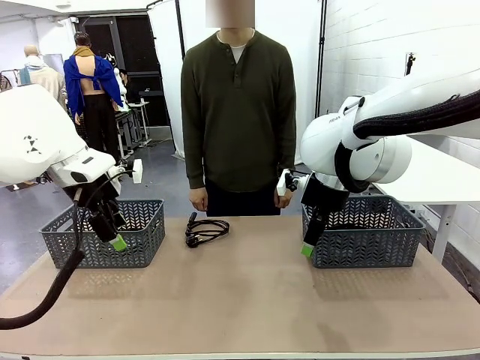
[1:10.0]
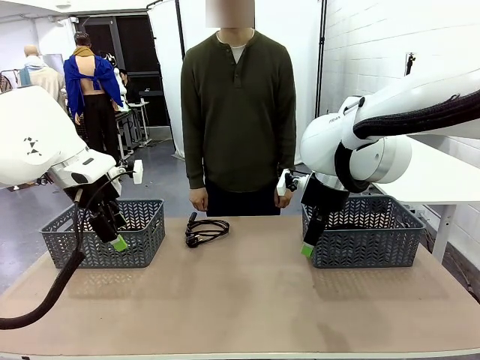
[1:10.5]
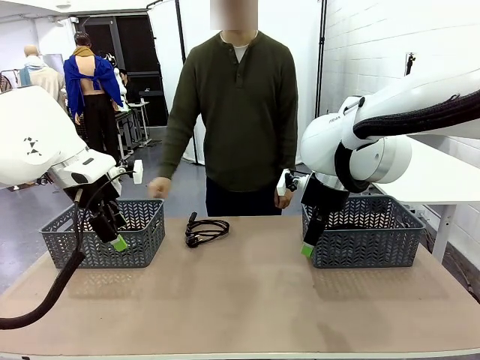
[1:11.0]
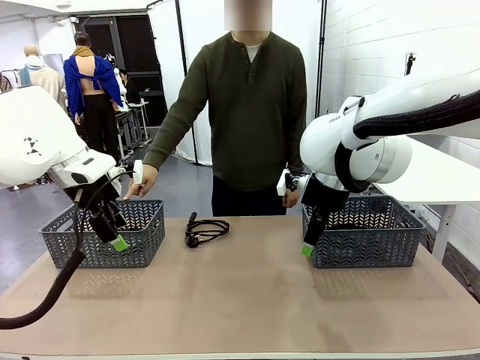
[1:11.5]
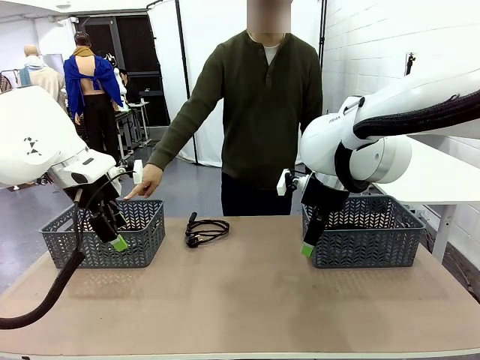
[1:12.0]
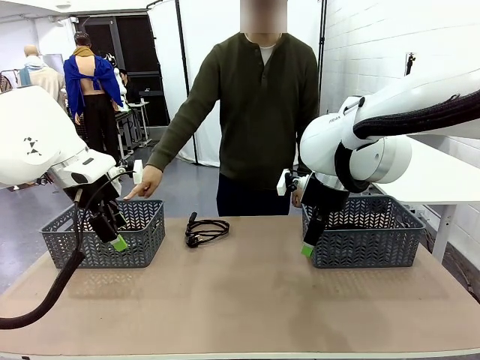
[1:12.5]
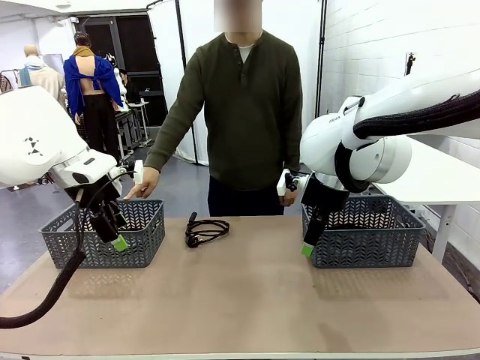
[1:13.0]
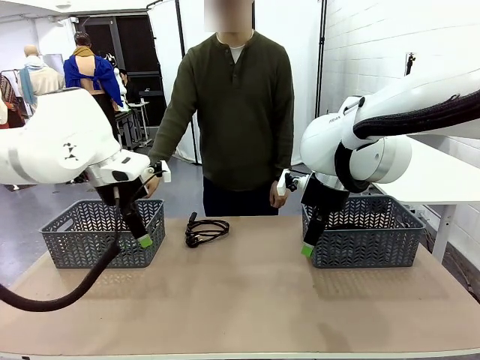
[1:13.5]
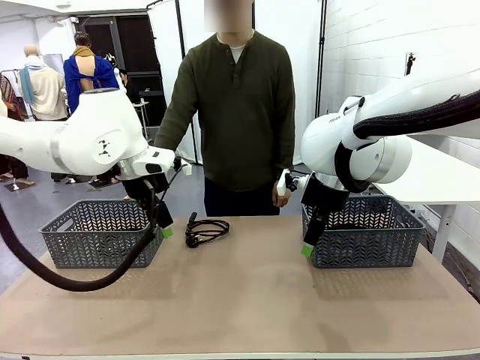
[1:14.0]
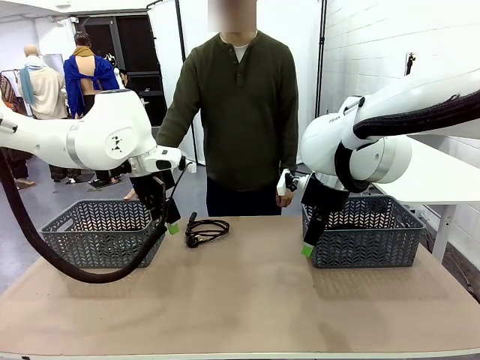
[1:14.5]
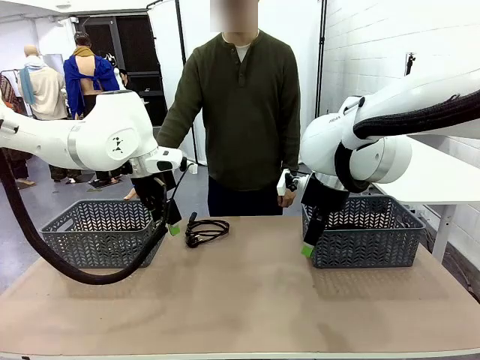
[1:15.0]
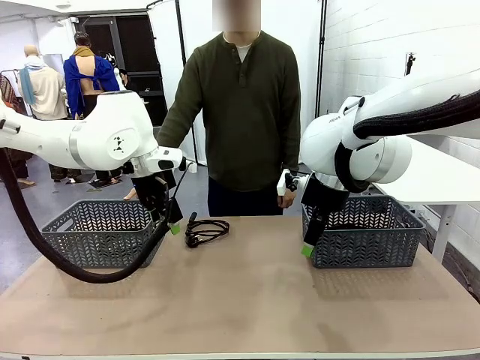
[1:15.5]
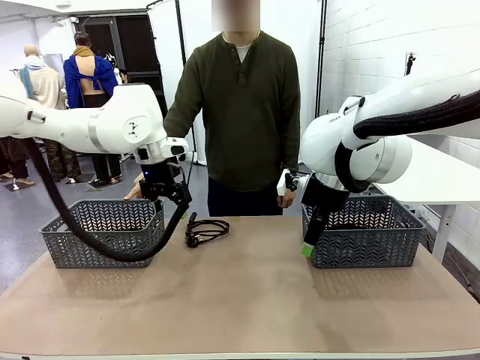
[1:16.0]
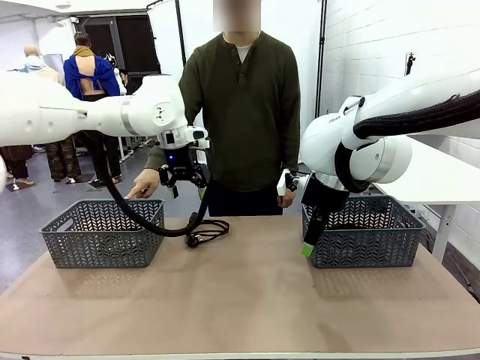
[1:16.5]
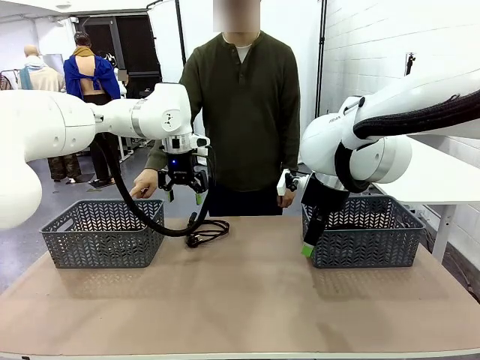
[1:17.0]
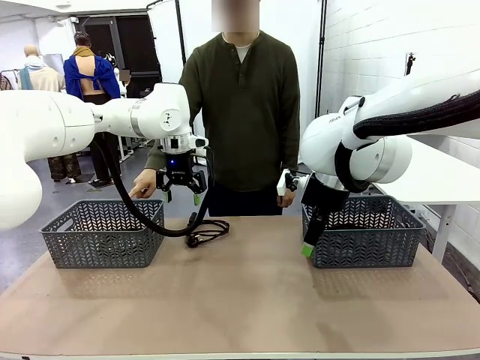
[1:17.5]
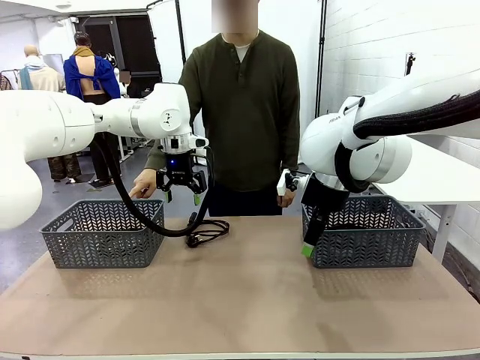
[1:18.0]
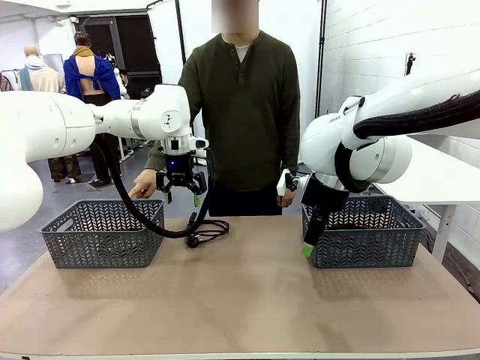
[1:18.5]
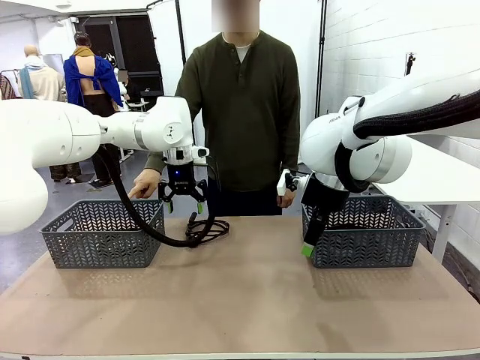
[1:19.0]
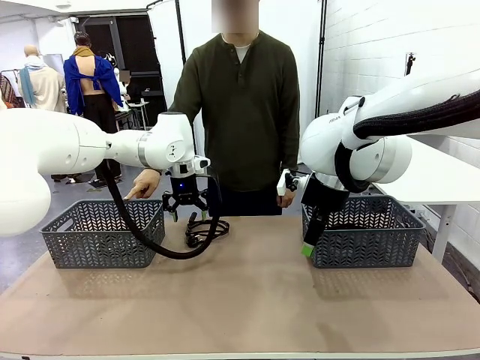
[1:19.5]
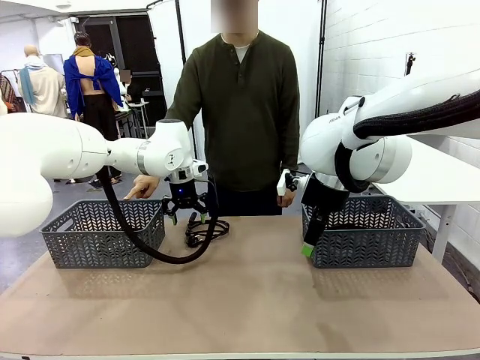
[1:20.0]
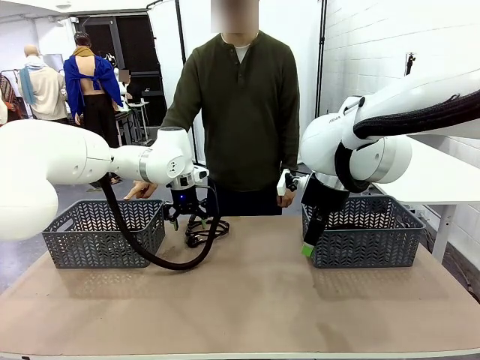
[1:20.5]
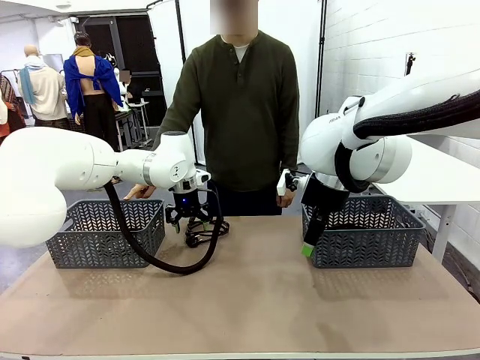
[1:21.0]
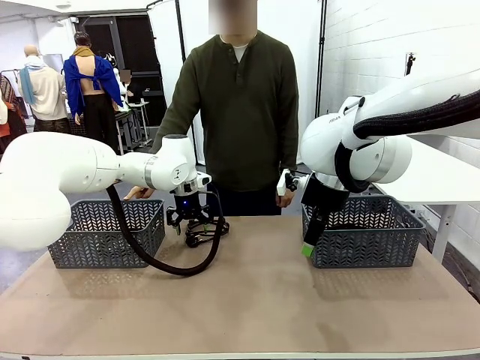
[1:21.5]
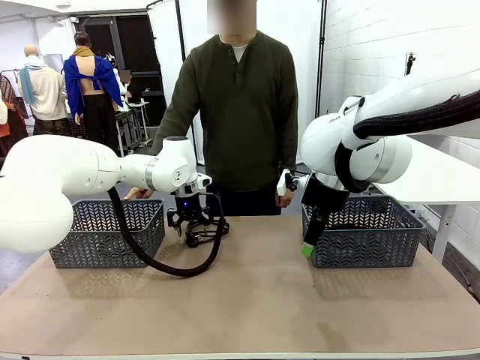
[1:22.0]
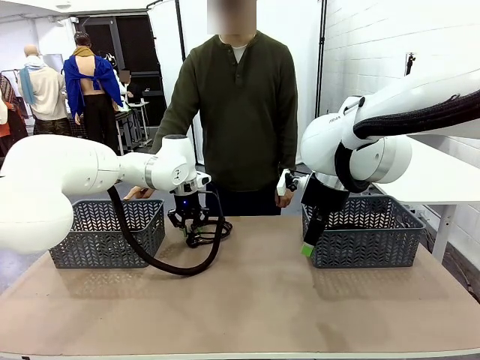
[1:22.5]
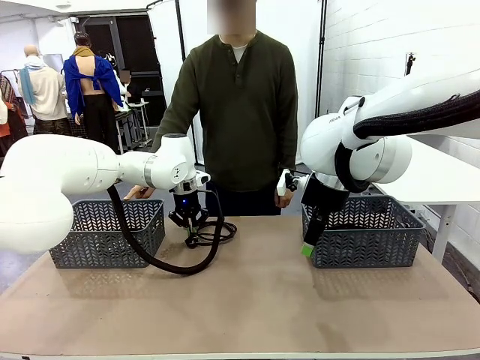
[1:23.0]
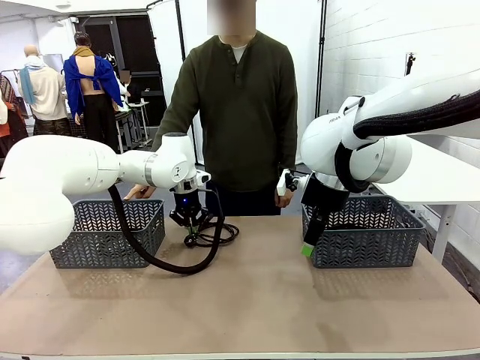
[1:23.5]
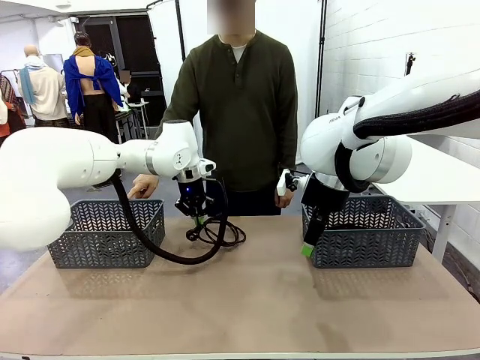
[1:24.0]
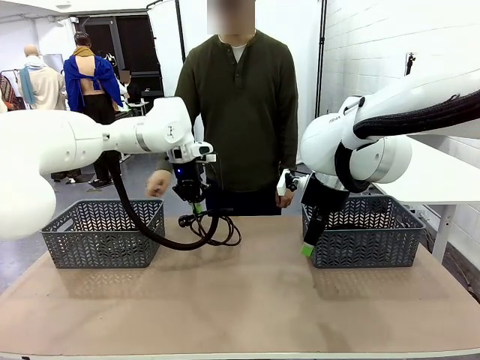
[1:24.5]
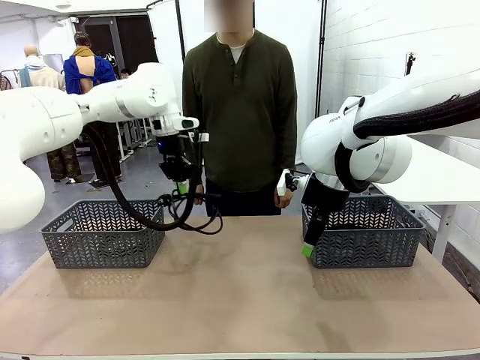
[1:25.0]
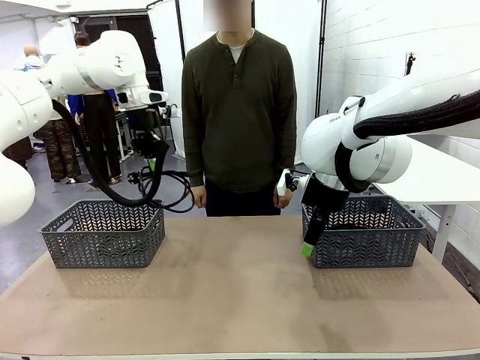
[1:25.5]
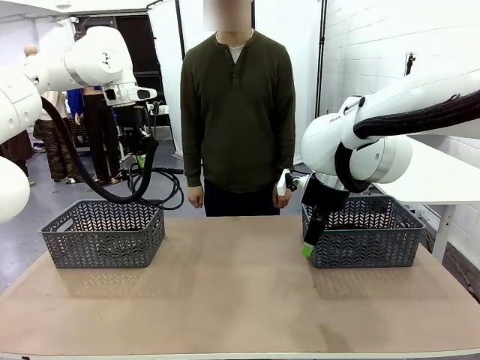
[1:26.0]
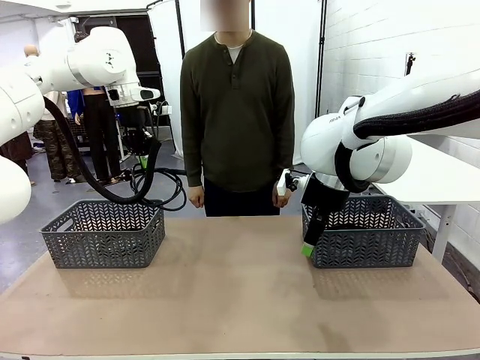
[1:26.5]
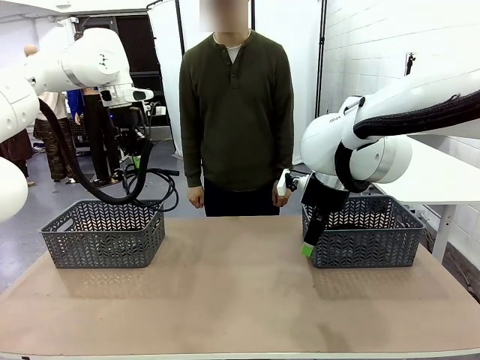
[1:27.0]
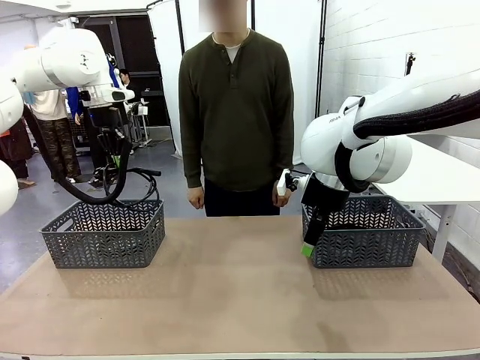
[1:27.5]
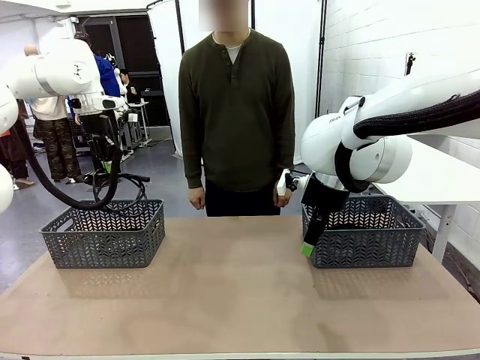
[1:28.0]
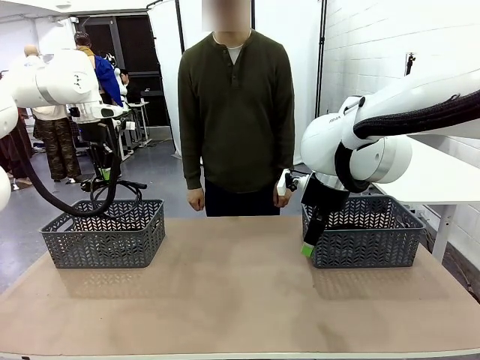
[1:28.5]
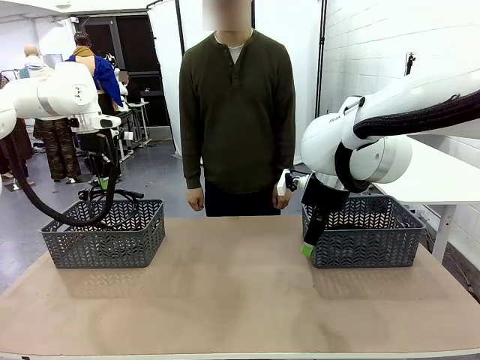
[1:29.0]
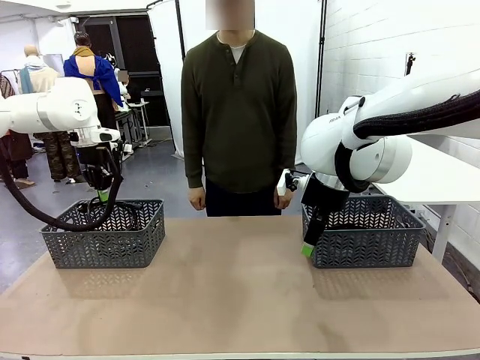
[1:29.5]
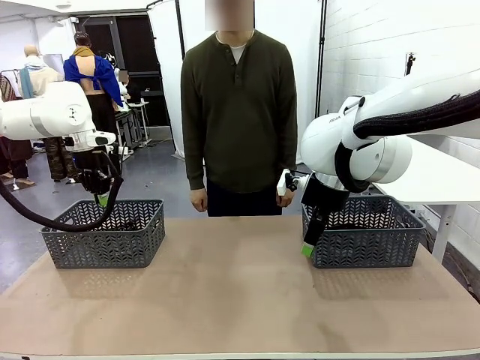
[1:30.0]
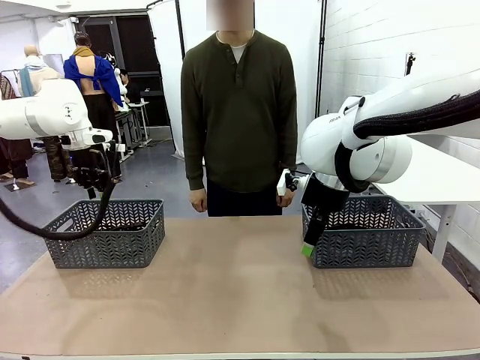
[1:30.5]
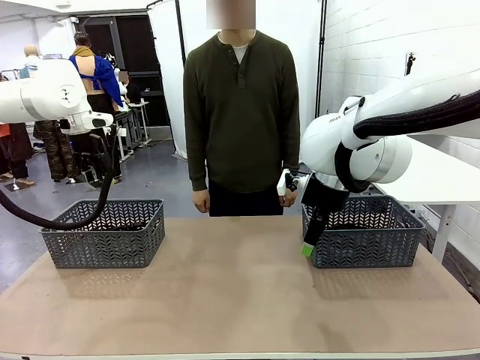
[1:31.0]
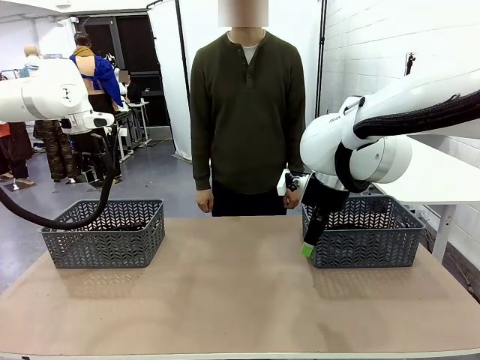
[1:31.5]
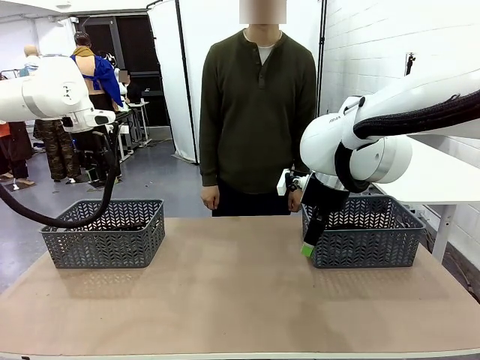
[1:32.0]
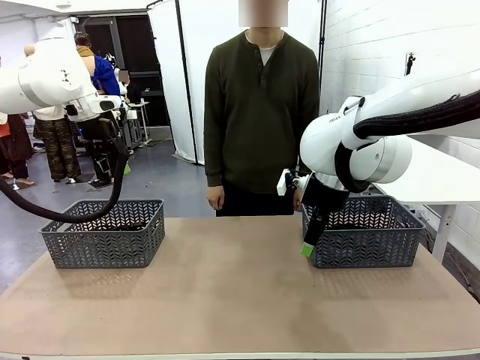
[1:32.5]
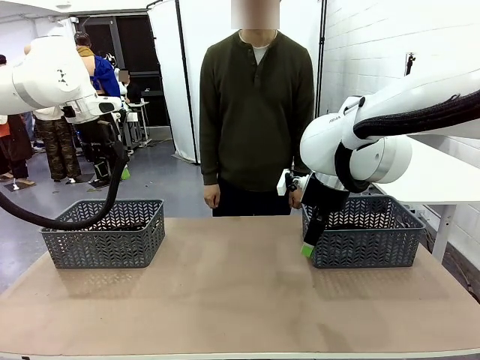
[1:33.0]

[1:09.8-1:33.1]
Task: Organize the cables according to human instructions.
Robot: Pick up a bundle of cables and place it in the basket indicated by the human.
